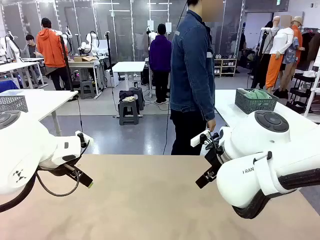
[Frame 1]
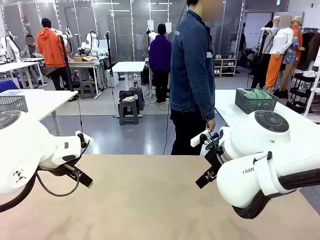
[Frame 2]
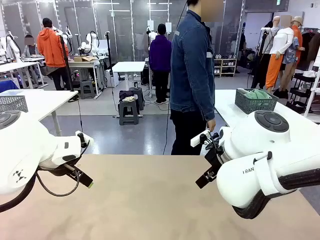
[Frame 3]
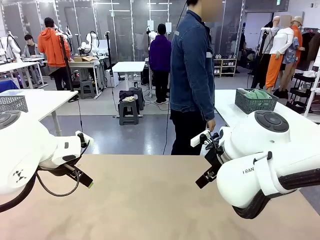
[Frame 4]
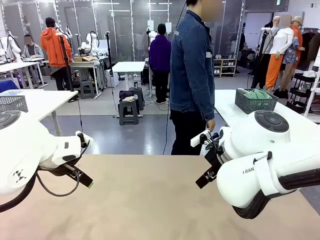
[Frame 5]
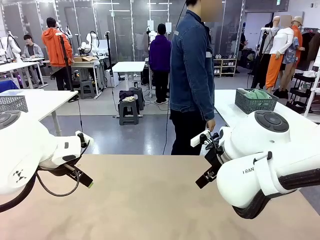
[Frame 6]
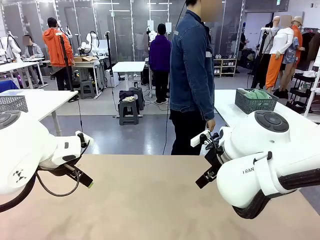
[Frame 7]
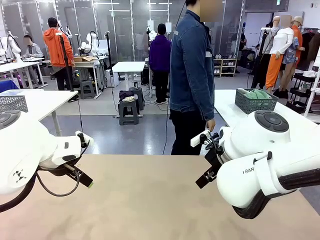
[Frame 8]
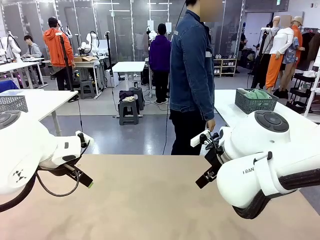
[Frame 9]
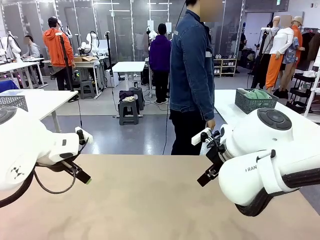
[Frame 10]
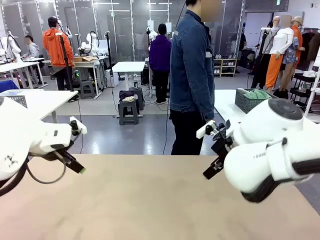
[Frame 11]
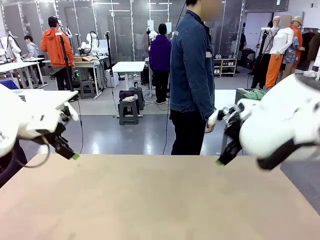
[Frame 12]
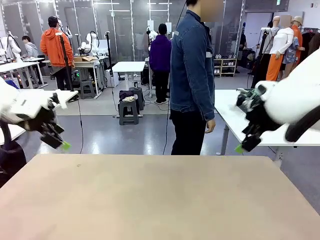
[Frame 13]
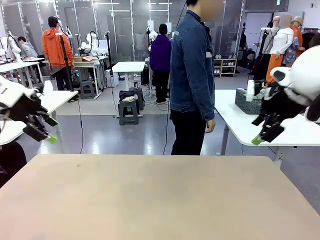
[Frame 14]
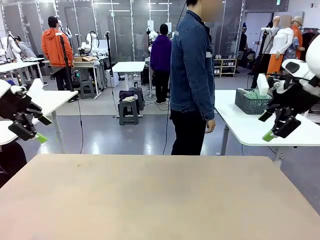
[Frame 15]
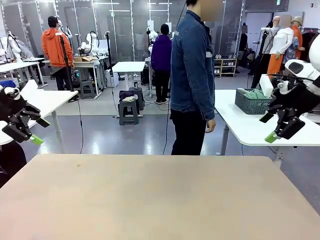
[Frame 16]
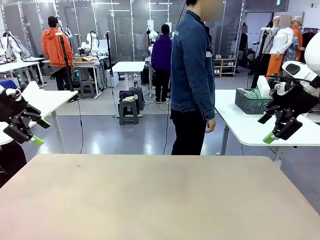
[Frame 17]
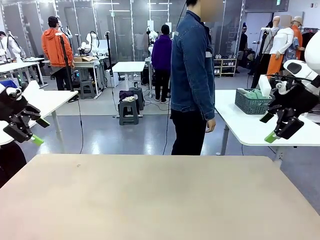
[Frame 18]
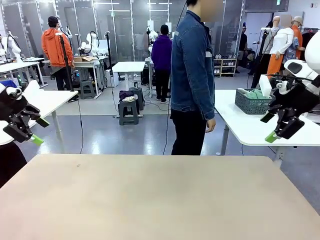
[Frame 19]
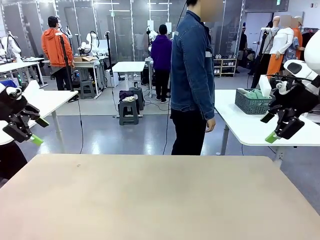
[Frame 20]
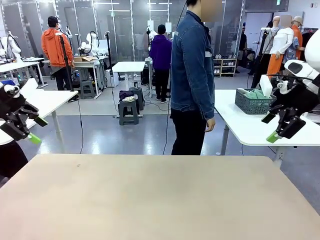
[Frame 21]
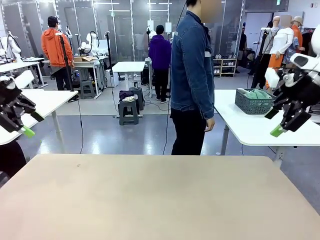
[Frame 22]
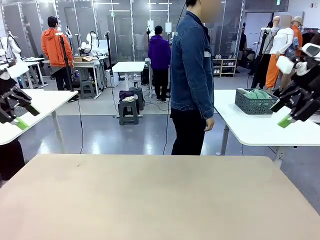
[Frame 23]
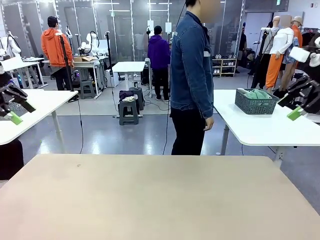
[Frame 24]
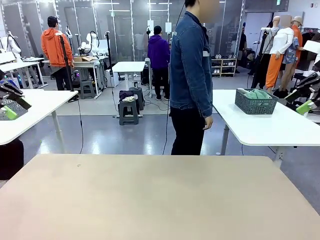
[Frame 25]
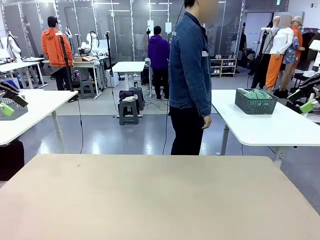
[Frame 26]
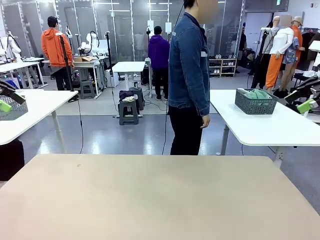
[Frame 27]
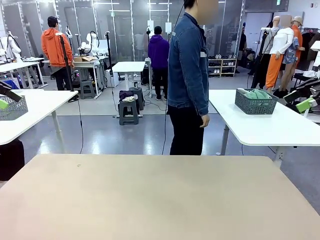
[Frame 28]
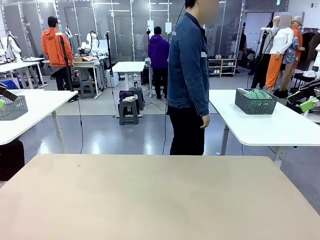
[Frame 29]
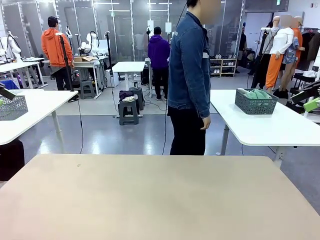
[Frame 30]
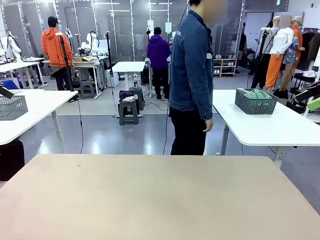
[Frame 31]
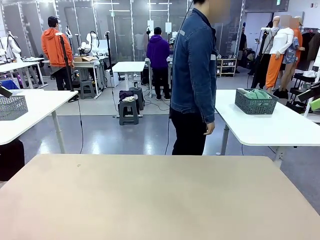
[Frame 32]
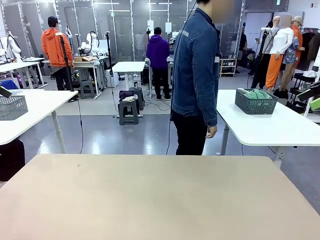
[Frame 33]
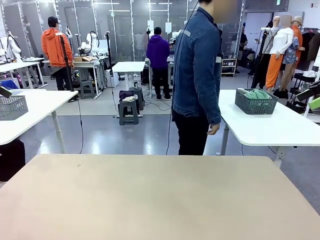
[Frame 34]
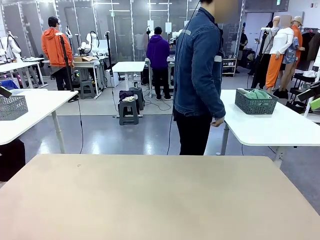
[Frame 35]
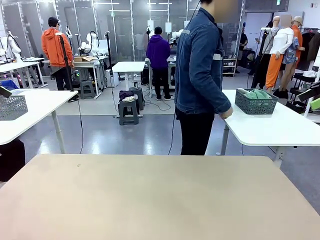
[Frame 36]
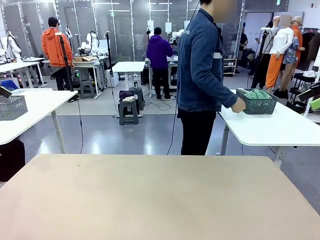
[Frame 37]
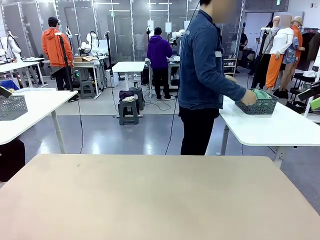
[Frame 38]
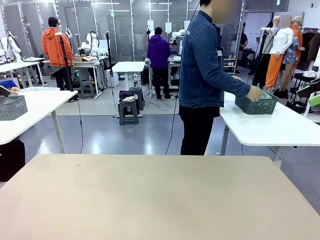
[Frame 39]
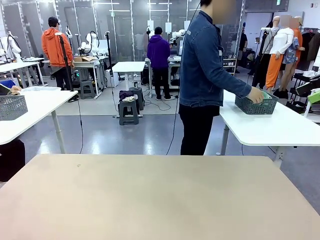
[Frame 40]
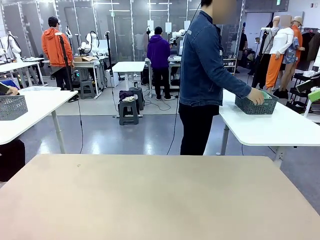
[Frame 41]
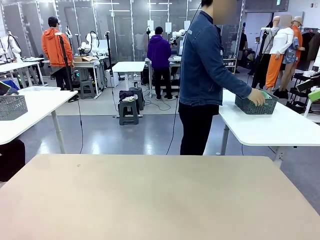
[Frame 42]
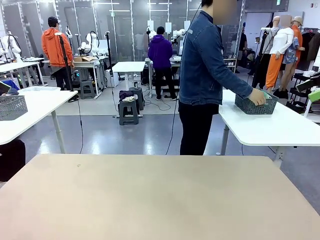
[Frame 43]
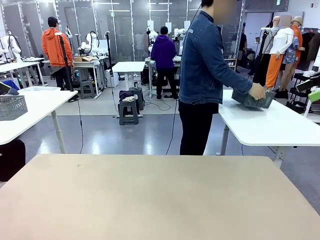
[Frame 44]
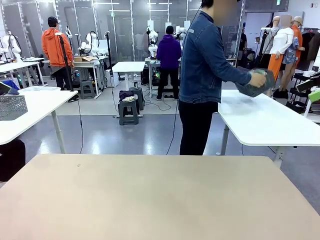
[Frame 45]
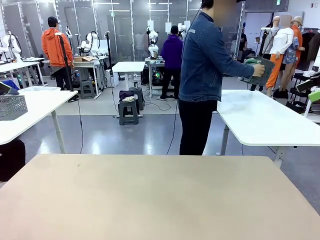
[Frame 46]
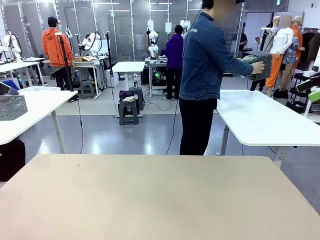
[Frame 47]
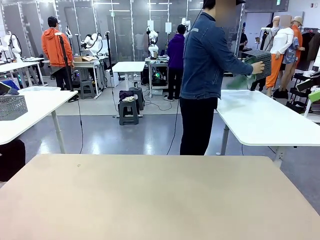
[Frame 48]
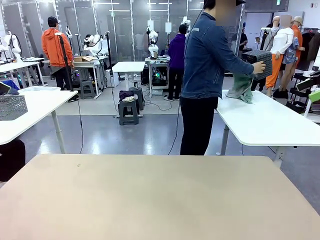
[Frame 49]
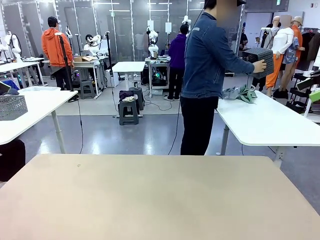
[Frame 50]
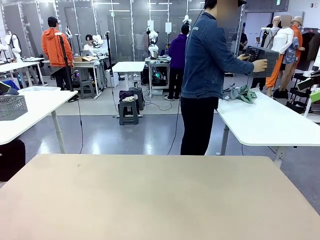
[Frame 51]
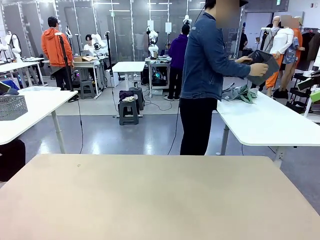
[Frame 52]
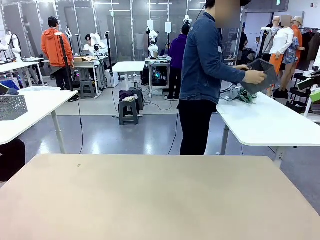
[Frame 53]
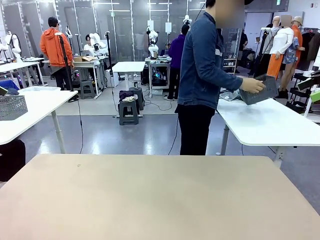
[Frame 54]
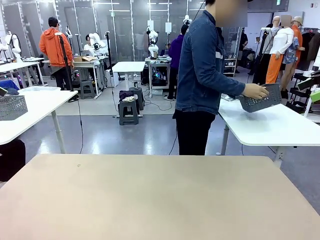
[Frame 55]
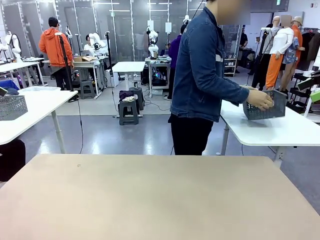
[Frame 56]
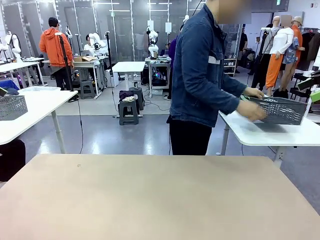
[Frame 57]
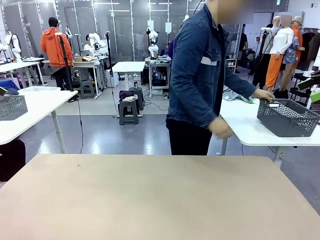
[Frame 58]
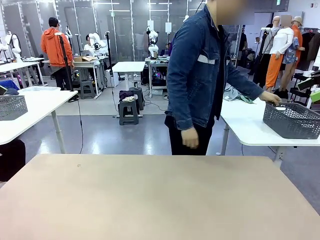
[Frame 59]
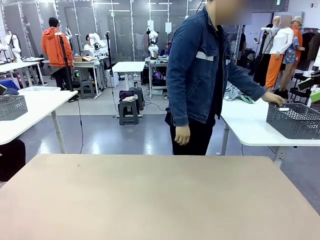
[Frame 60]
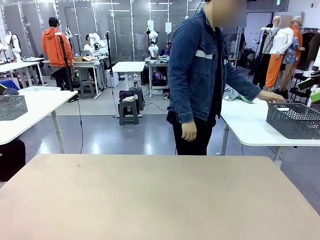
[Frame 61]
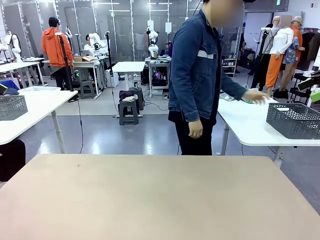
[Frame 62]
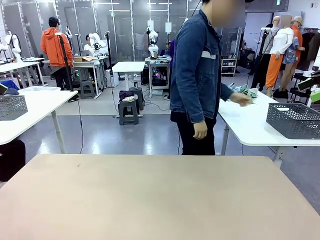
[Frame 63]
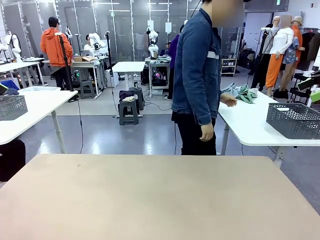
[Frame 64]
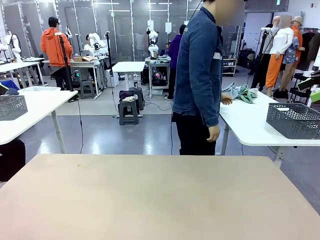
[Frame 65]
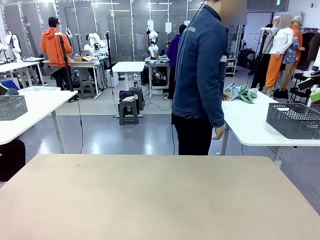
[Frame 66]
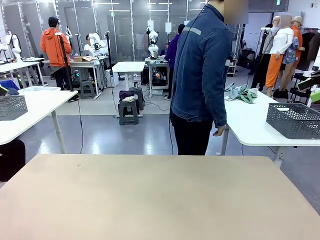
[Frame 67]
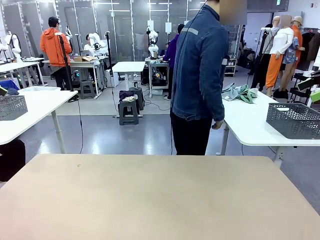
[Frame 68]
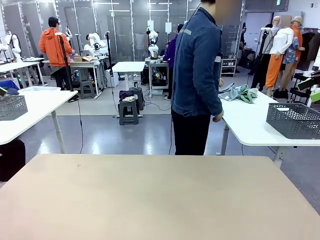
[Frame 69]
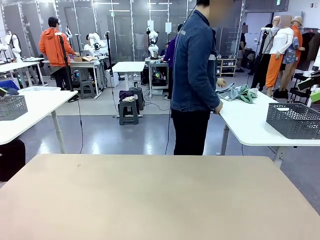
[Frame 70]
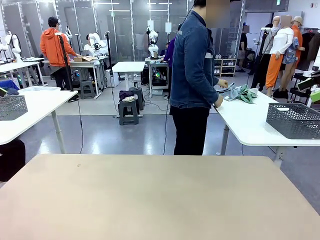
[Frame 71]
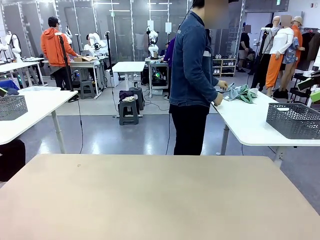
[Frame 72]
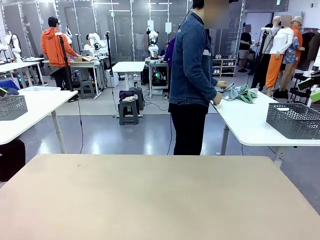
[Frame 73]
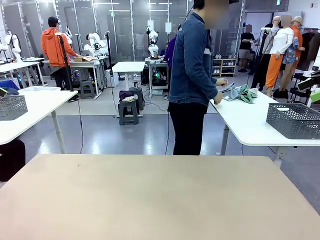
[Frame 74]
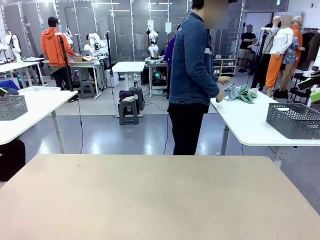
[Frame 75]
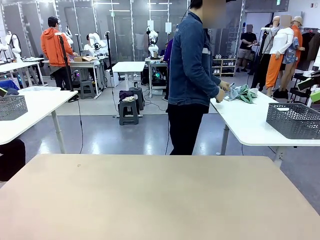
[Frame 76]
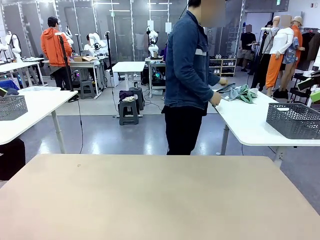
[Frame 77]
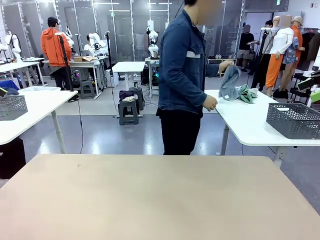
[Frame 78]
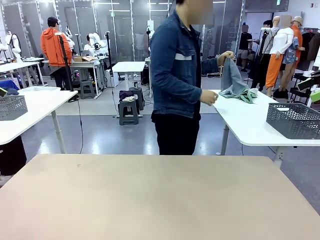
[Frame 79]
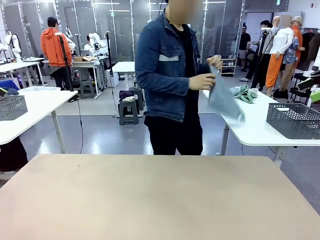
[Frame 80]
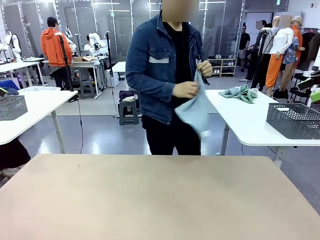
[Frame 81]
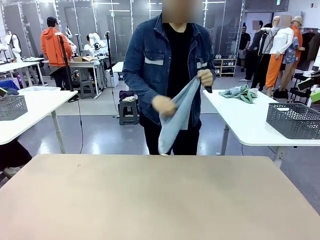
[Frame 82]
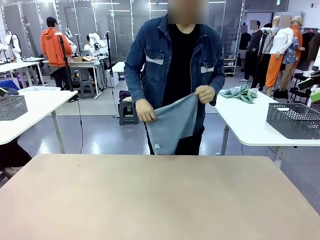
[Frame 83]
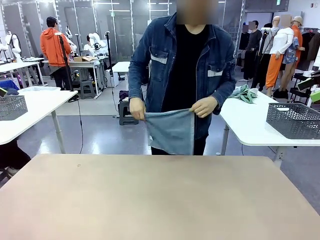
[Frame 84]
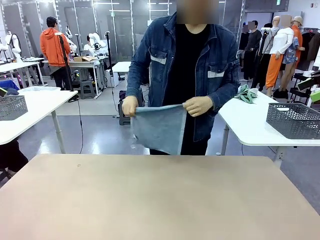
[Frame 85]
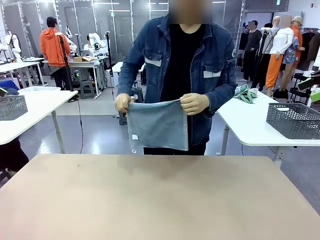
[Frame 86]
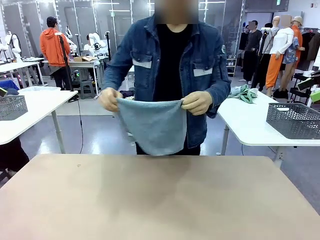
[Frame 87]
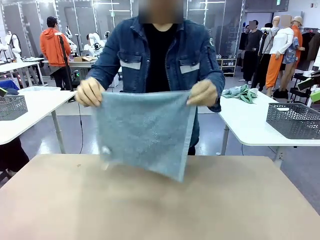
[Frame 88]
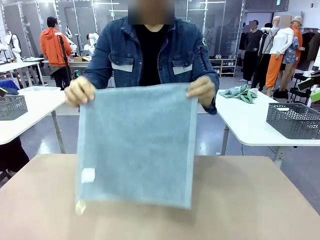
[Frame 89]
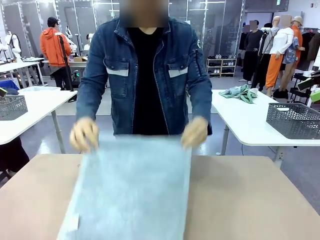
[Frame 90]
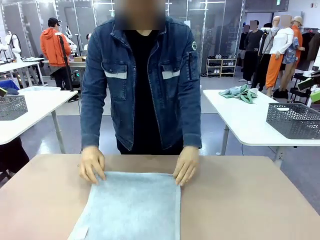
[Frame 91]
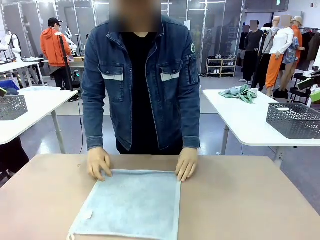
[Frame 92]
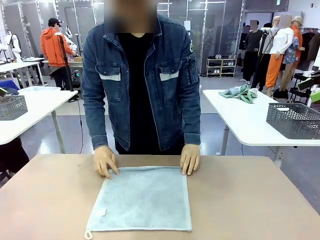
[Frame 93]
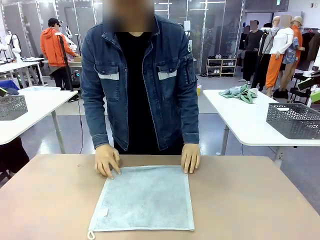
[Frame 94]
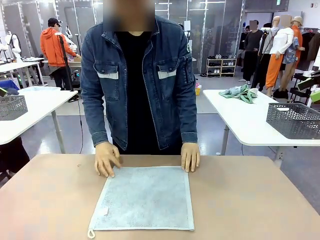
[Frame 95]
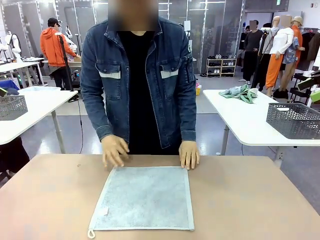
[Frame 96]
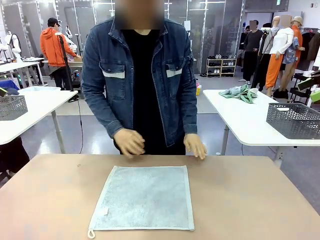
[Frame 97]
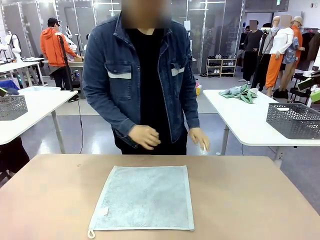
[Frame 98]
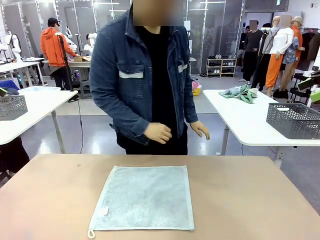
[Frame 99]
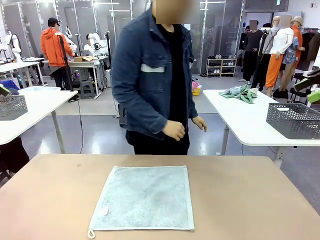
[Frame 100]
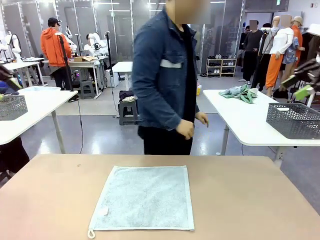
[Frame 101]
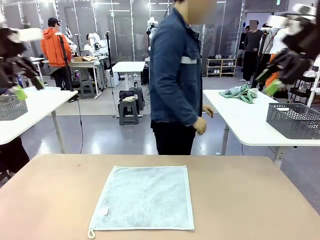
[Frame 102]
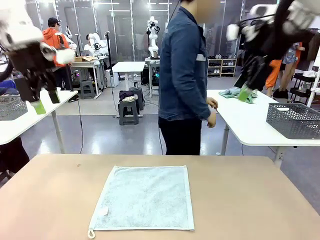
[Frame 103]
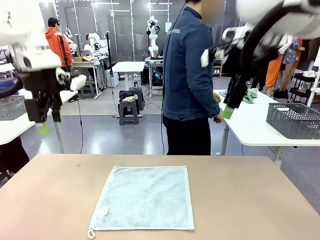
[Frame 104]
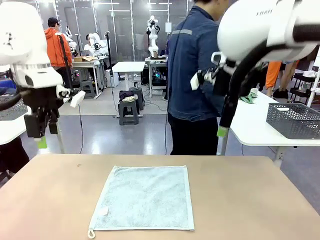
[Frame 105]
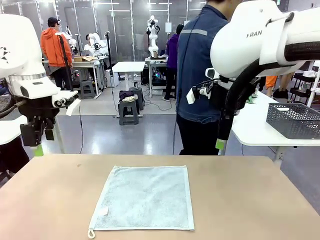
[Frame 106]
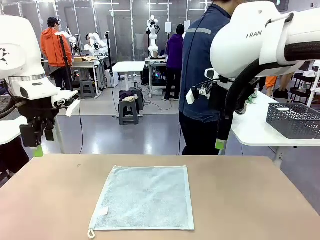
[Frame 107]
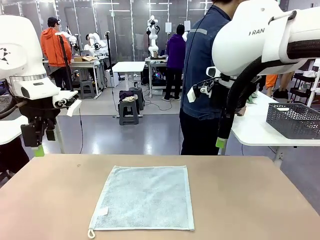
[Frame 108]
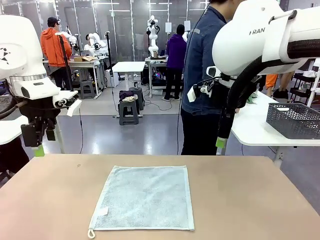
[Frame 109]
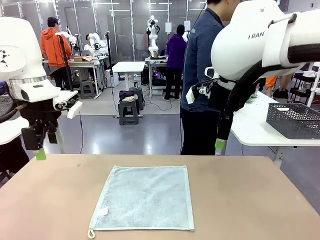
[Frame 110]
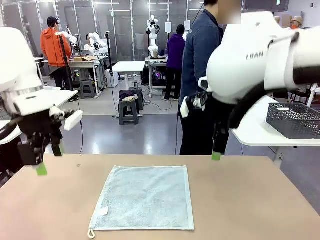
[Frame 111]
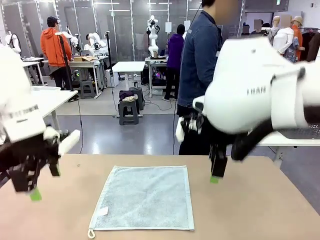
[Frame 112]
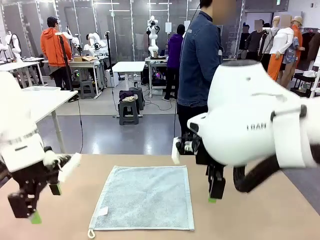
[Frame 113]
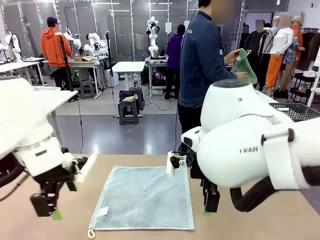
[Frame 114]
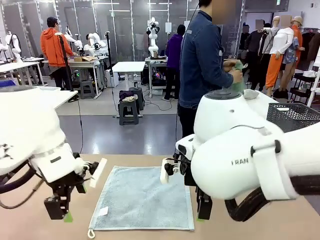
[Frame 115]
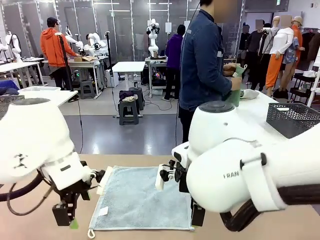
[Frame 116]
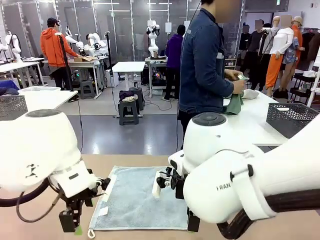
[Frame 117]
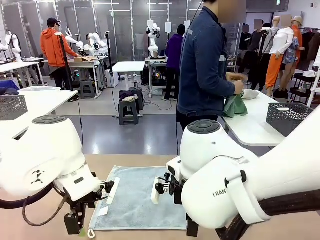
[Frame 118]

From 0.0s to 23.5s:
Task: Fold the towels and place them in the basket.
Robot: When a person lays out a Towel with hook on the table, fold it in half twice.
Person: Pick up the basket, pour the towels onto the left side of the human table, and place the basket on the right side. Pick up one towel and spread it out at the center of the robot table.
